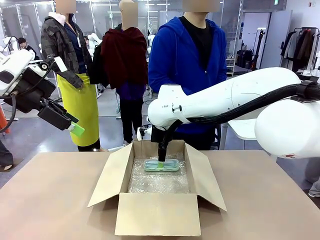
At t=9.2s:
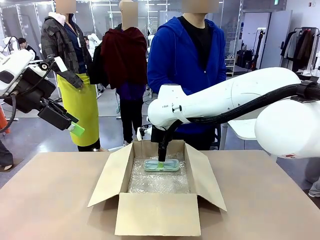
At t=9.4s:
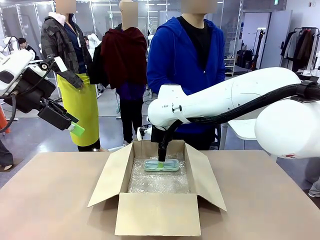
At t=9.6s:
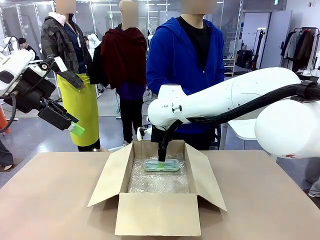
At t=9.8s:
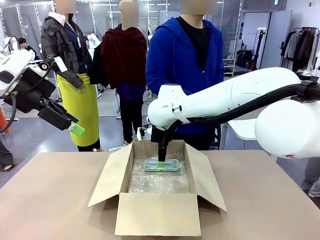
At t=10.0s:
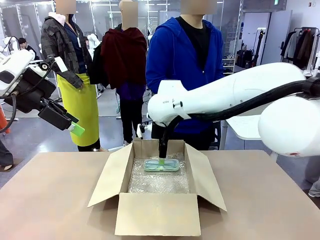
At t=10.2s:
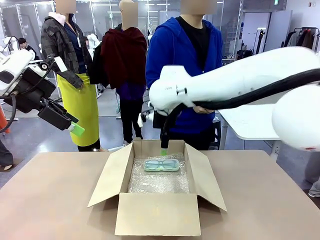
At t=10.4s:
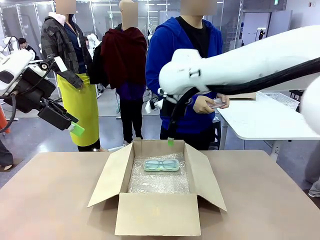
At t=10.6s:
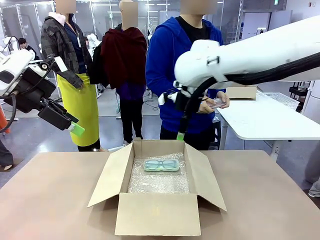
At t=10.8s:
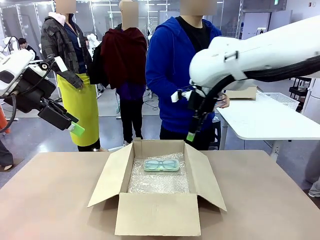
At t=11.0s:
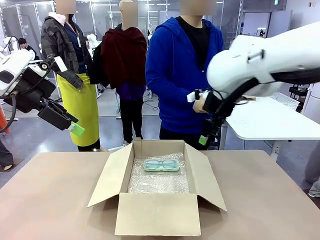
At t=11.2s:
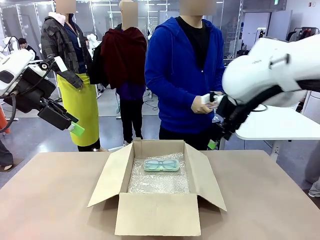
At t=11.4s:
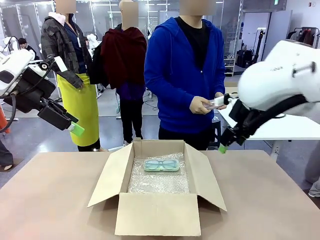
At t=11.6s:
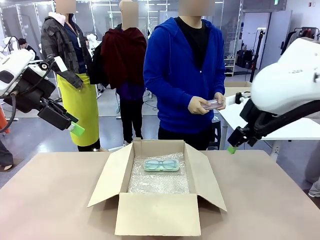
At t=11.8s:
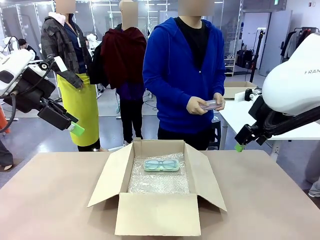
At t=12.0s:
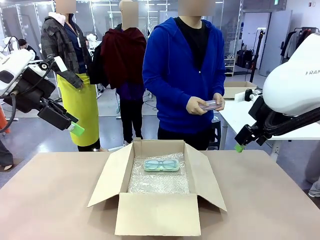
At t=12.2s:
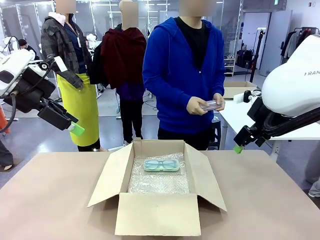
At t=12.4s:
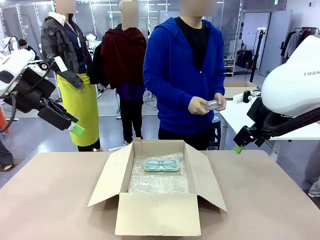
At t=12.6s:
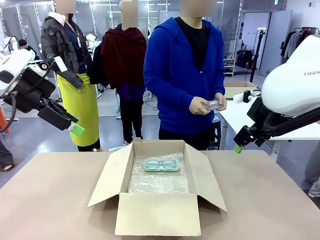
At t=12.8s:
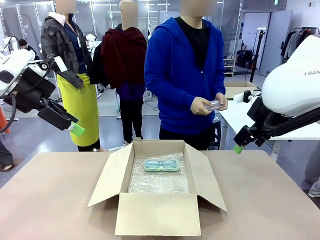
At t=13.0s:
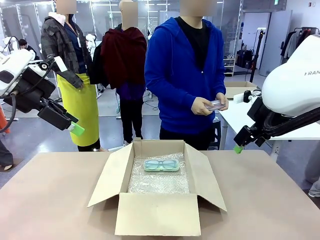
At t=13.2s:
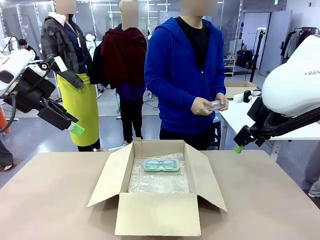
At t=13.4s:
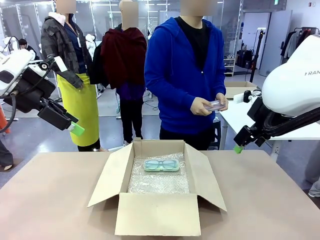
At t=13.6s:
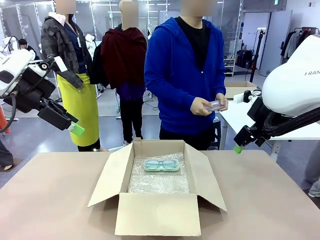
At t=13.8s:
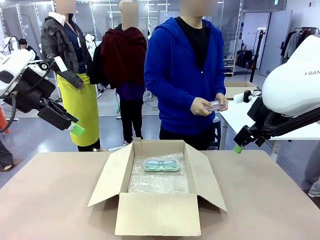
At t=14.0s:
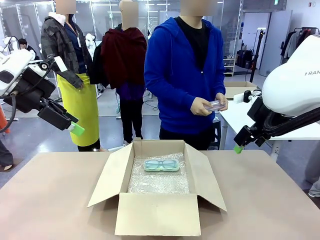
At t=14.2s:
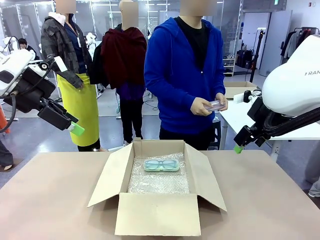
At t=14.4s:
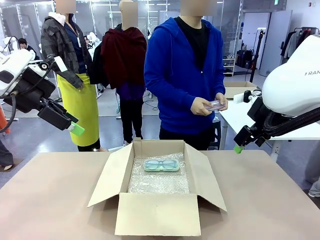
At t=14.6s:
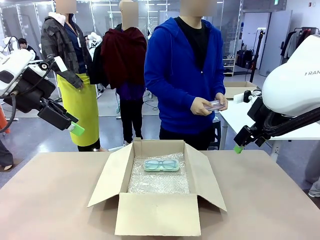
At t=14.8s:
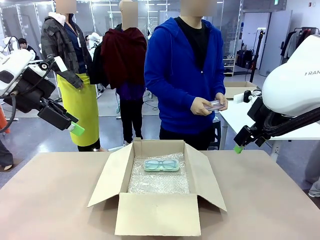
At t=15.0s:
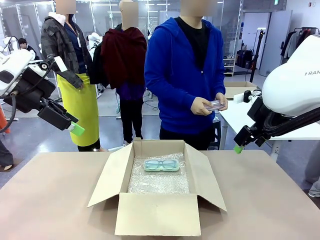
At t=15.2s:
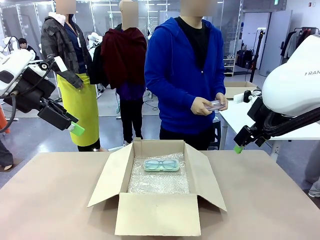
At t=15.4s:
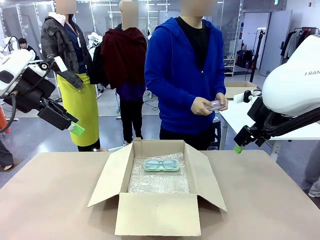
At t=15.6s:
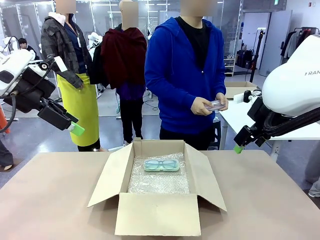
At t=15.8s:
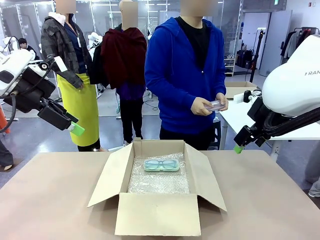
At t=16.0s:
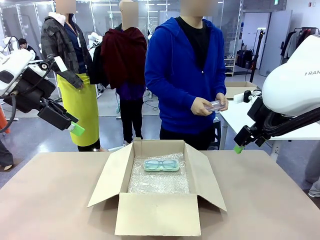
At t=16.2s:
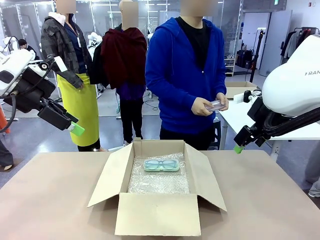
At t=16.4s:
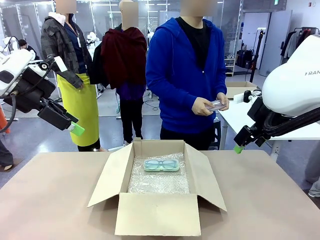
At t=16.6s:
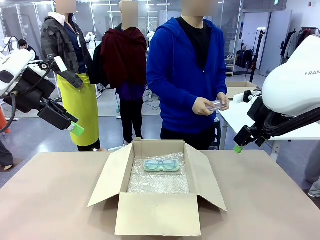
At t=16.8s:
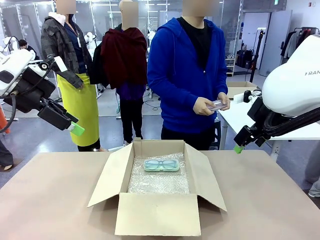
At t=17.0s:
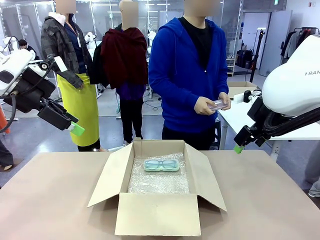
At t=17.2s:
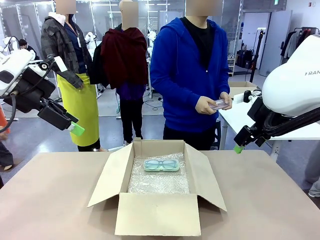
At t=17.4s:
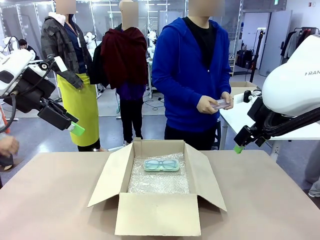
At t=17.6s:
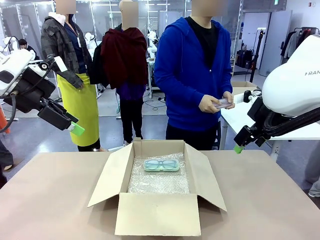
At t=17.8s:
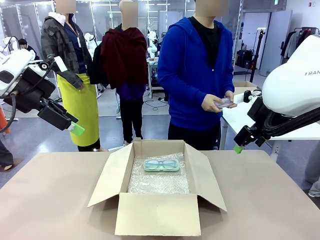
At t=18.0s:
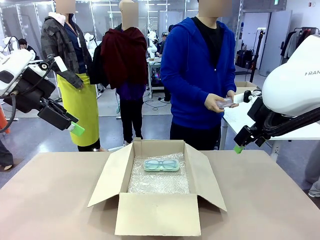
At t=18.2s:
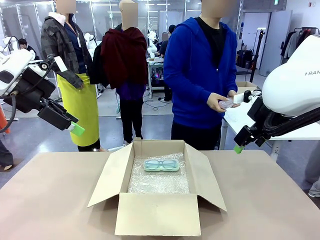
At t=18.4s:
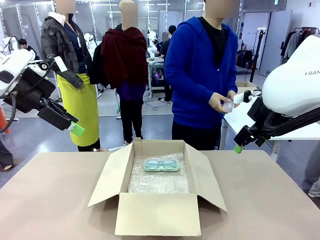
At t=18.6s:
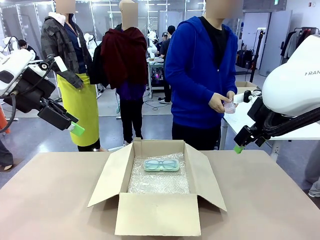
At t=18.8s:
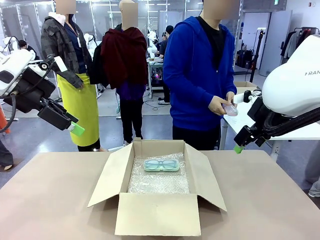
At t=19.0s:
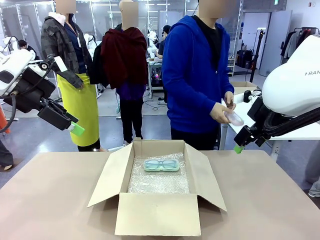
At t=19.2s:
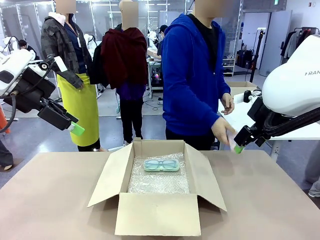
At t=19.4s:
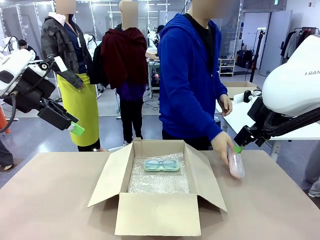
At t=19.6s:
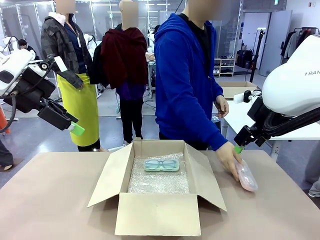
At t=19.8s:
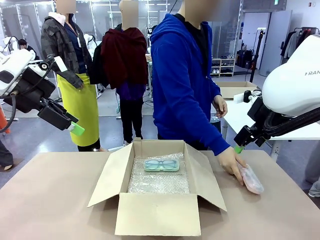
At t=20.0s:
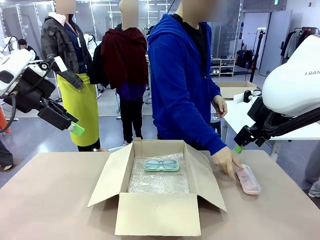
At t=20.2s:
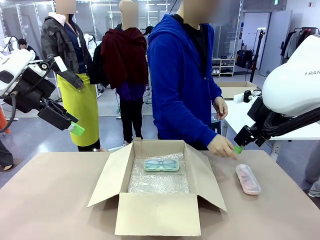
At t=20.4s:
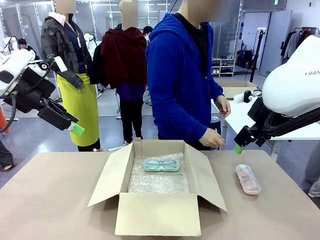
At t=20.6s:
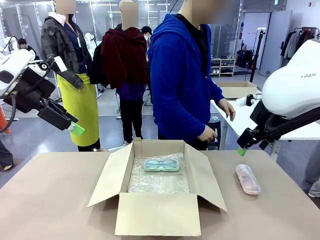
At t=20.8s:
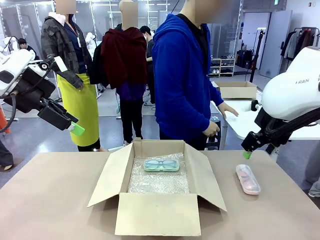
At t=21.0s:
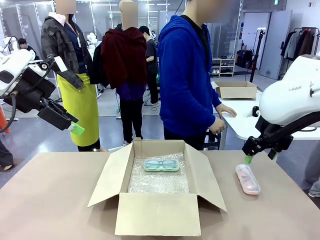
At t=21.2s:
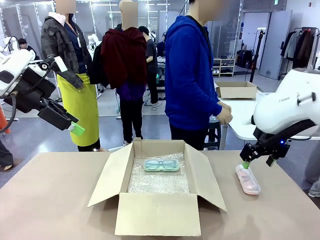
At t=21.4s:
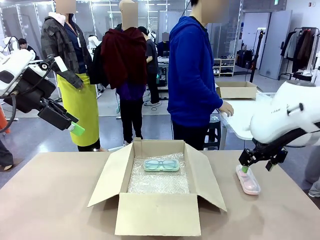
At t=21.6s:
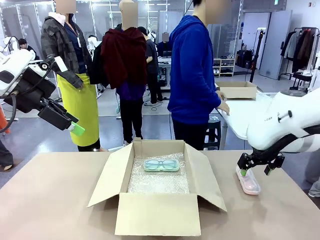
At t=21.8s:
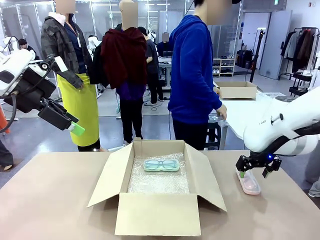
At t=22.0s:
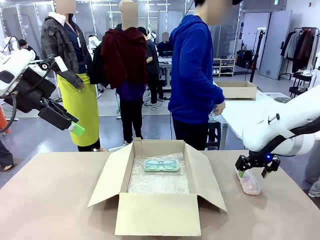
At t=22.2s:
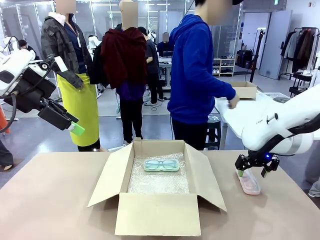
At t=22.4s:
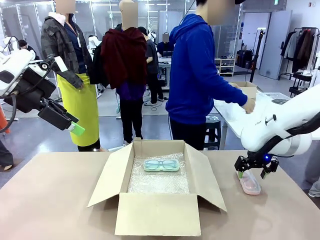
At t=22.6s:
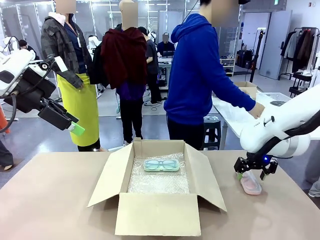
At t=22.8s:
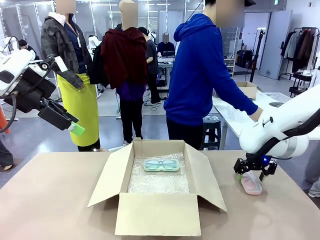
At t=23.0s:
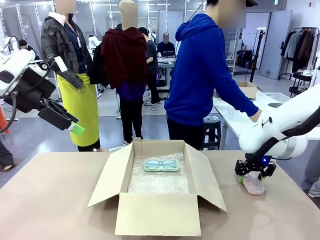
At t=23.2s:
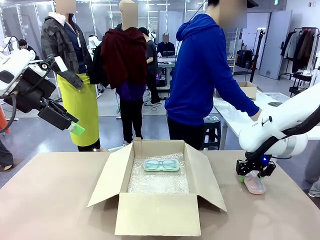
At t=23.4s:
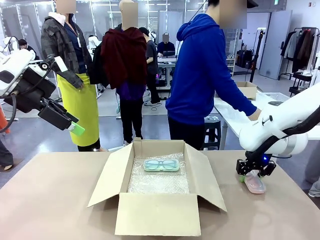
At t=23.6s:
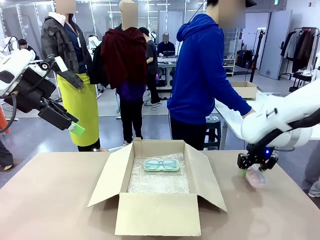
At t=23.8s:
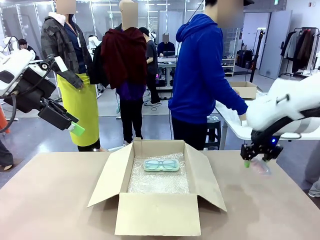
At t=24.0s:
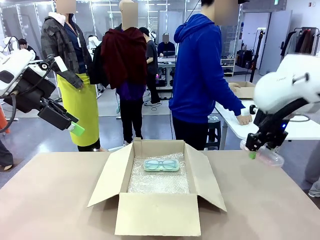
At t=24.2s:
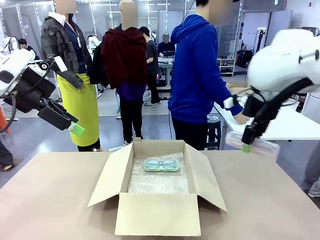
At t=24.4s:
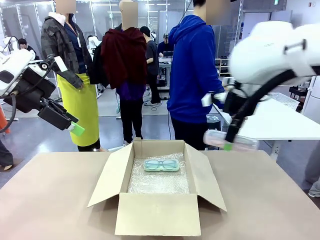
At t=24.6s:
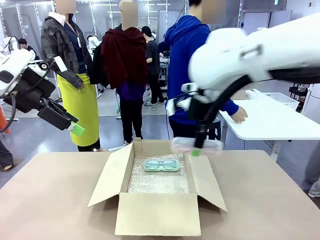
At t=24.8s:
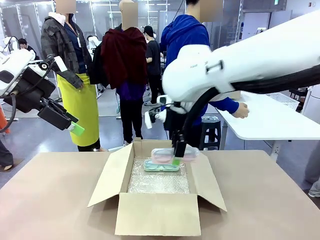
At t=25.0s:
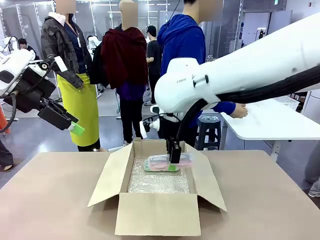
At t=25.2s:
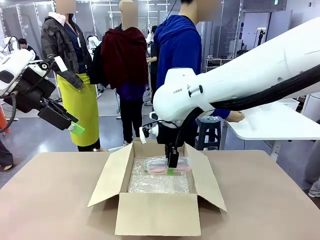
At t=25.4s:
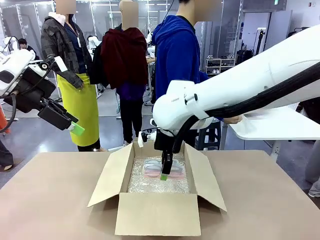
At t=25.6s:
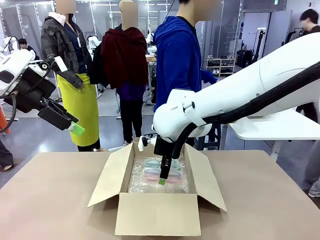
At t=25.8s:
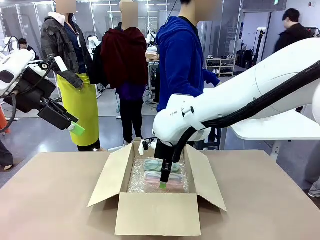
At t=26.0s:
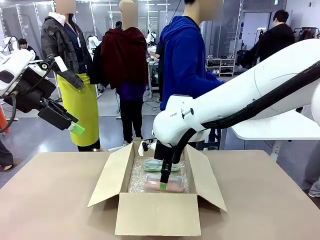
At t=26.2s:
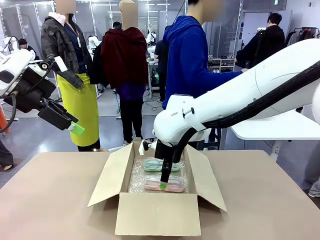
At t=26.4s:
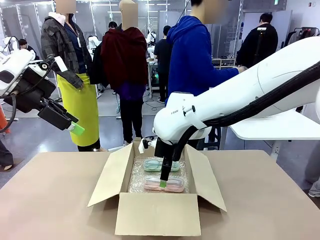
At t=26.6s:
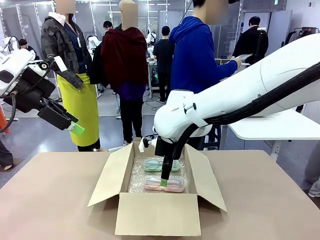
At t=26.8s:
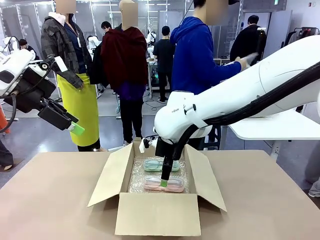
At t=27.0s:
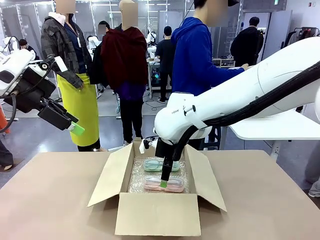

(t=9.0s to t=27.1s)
Task: Pack the glasses set securely to prepare it for shipping.
Robot: Put the Glasses case from the right side of the table into the Package Box.
Person: Position the Glasses case on the left side of the robot's table.
